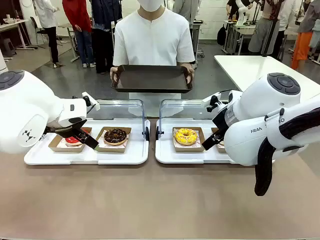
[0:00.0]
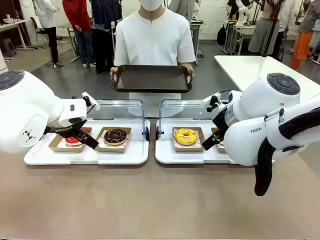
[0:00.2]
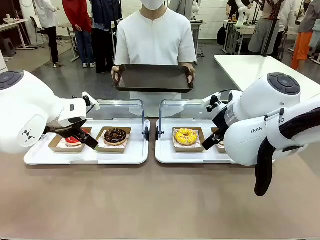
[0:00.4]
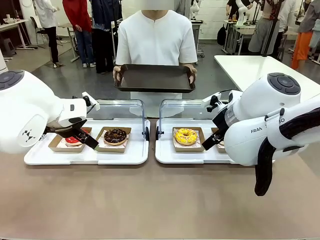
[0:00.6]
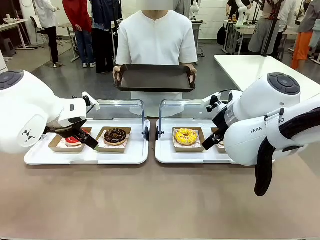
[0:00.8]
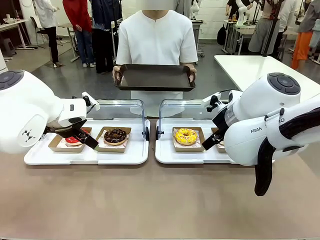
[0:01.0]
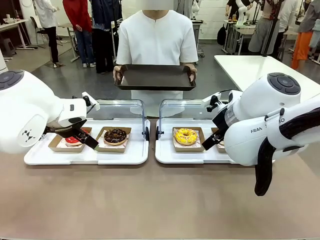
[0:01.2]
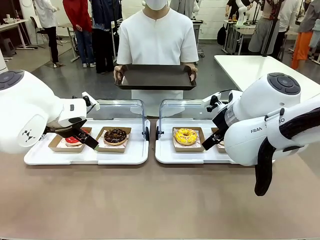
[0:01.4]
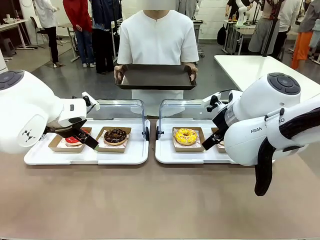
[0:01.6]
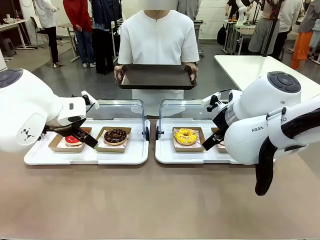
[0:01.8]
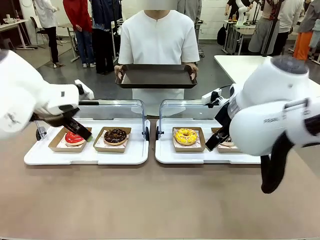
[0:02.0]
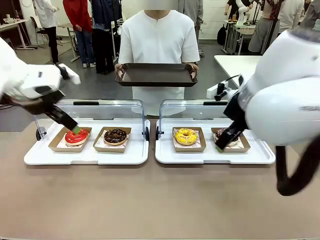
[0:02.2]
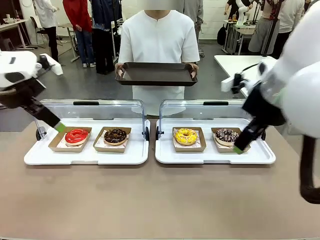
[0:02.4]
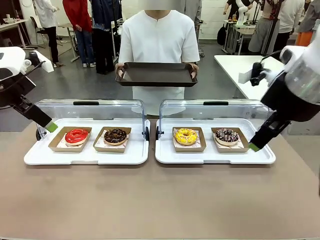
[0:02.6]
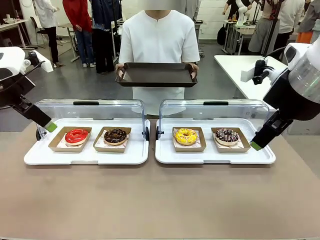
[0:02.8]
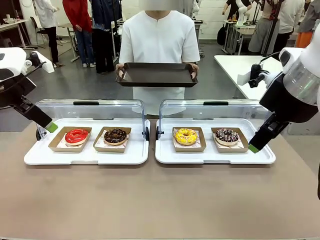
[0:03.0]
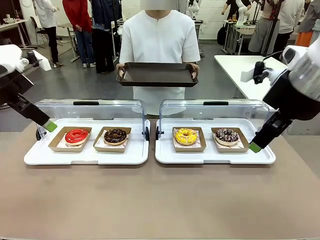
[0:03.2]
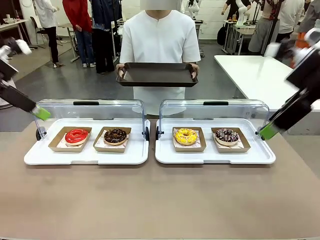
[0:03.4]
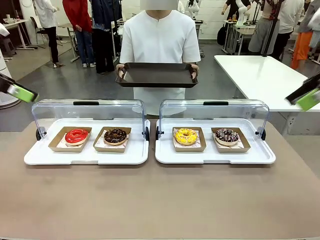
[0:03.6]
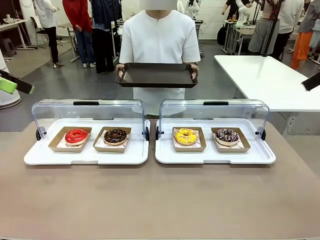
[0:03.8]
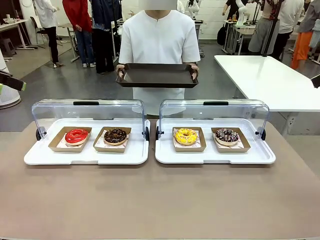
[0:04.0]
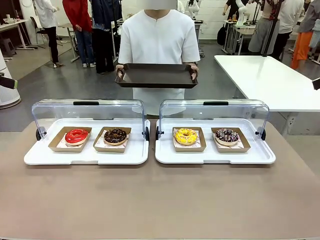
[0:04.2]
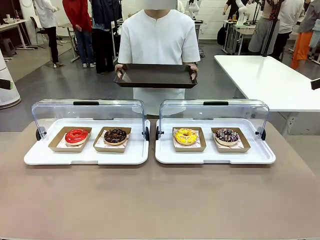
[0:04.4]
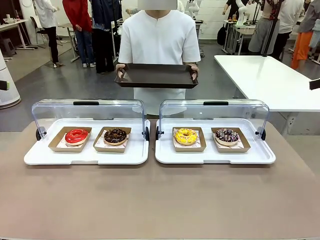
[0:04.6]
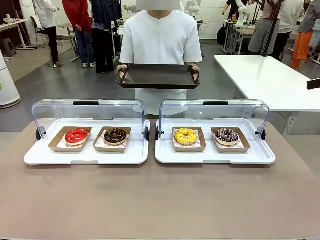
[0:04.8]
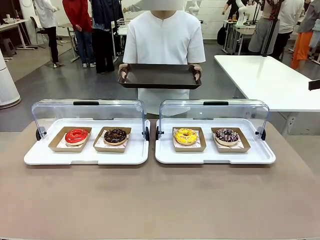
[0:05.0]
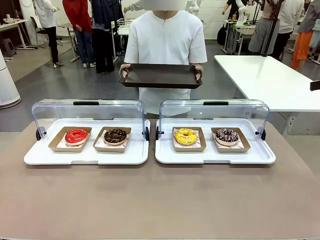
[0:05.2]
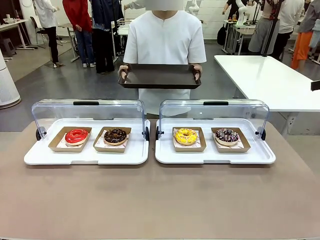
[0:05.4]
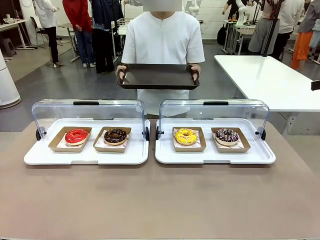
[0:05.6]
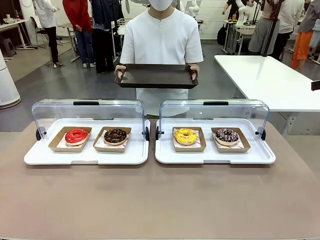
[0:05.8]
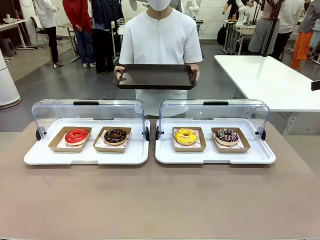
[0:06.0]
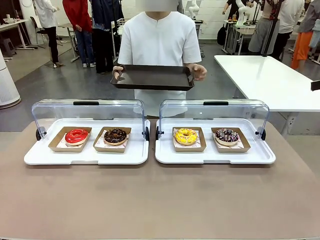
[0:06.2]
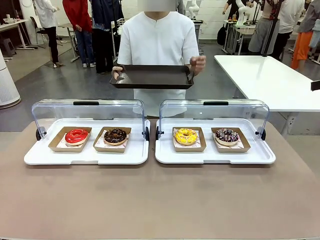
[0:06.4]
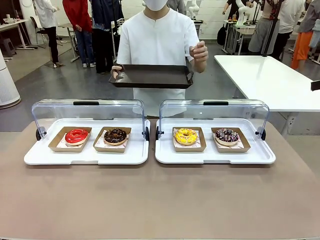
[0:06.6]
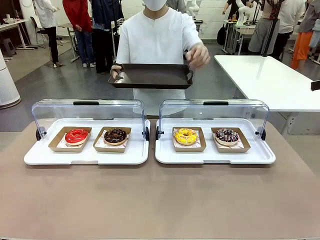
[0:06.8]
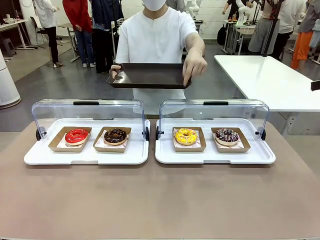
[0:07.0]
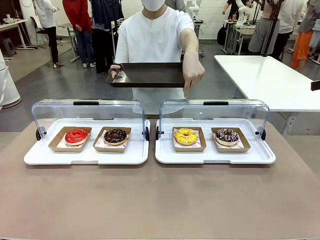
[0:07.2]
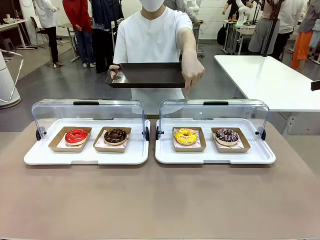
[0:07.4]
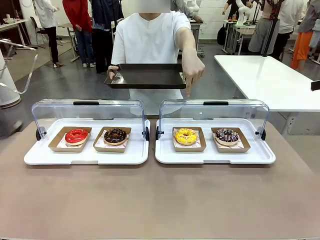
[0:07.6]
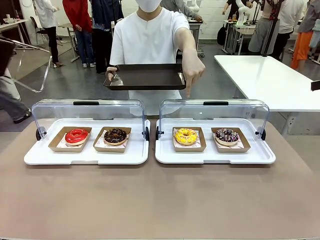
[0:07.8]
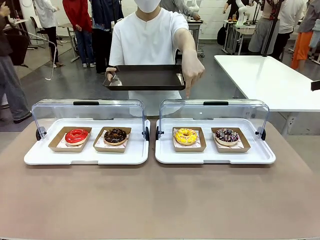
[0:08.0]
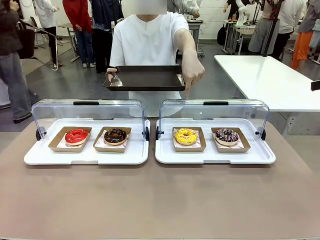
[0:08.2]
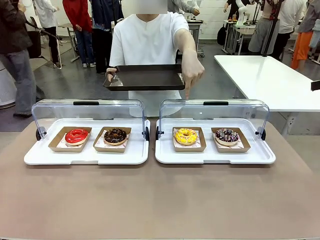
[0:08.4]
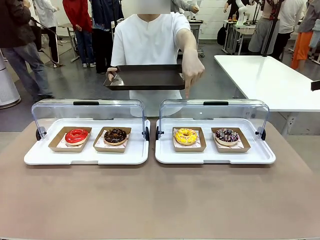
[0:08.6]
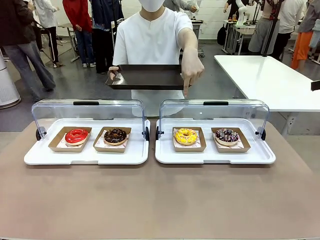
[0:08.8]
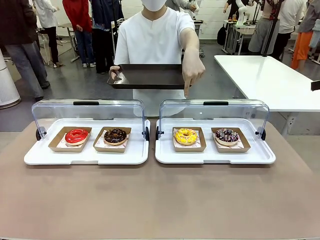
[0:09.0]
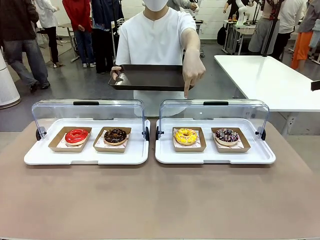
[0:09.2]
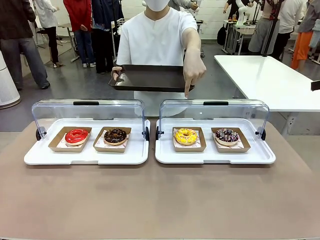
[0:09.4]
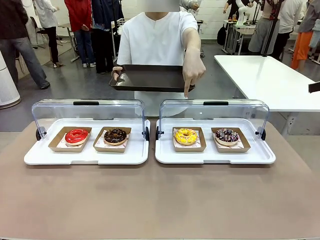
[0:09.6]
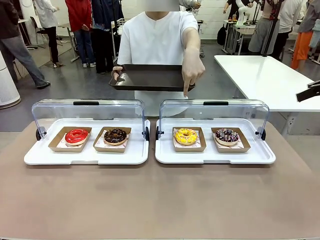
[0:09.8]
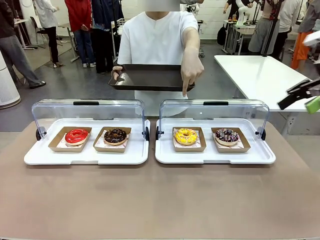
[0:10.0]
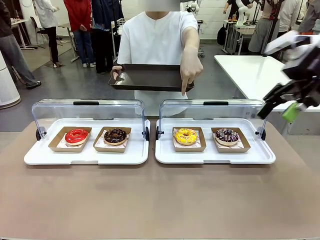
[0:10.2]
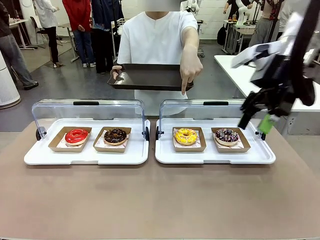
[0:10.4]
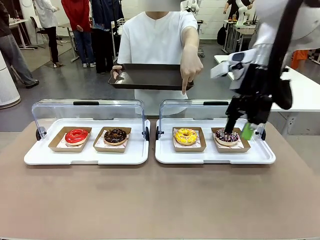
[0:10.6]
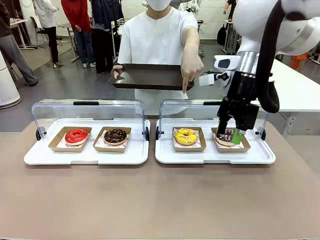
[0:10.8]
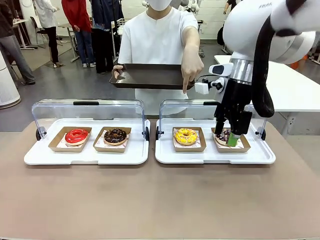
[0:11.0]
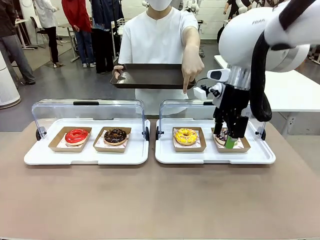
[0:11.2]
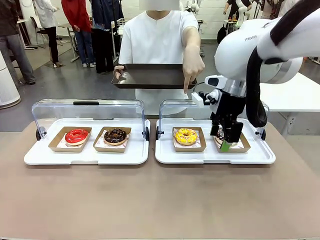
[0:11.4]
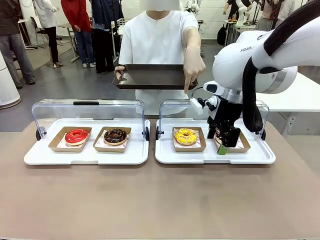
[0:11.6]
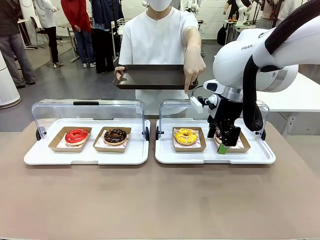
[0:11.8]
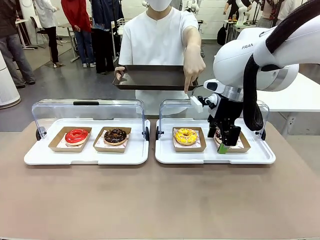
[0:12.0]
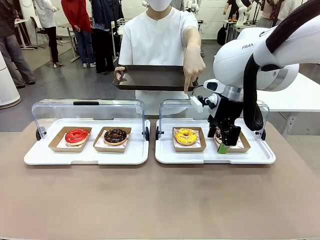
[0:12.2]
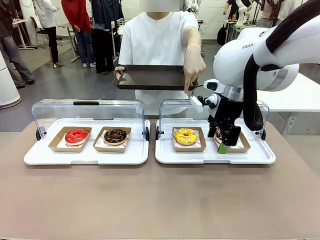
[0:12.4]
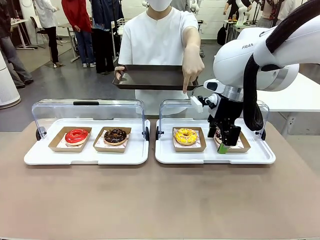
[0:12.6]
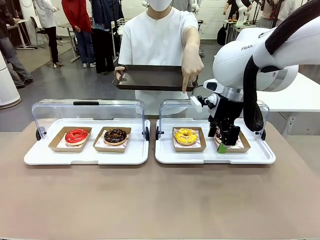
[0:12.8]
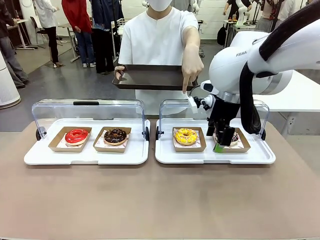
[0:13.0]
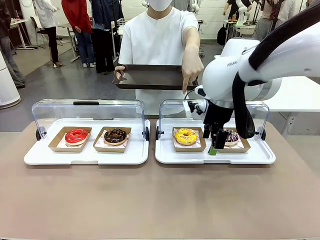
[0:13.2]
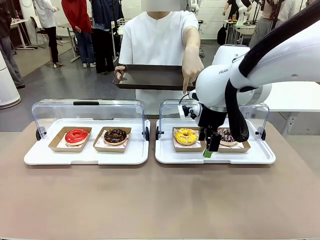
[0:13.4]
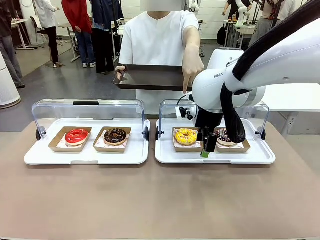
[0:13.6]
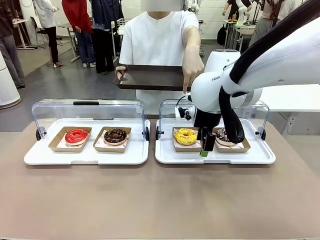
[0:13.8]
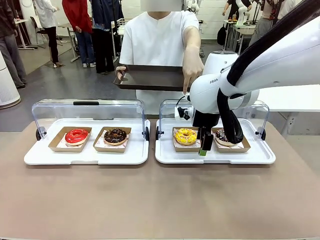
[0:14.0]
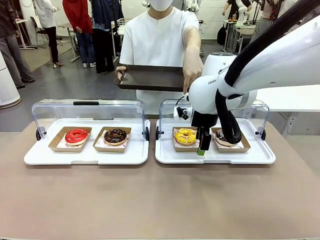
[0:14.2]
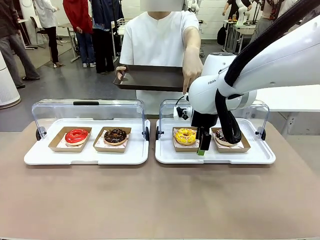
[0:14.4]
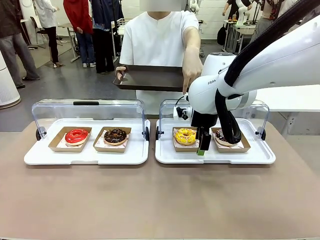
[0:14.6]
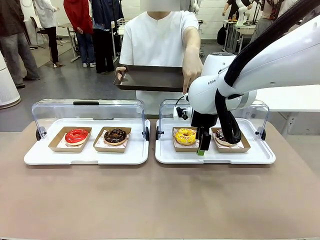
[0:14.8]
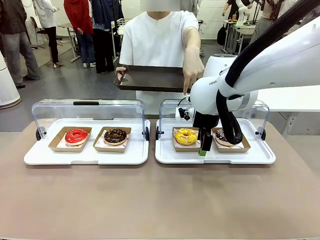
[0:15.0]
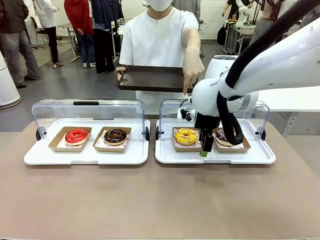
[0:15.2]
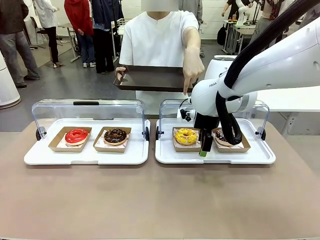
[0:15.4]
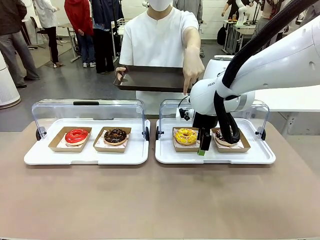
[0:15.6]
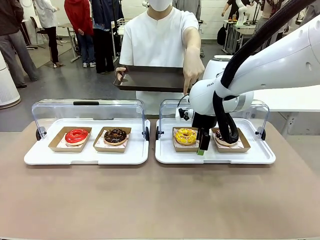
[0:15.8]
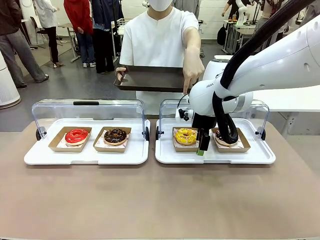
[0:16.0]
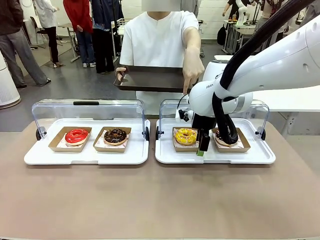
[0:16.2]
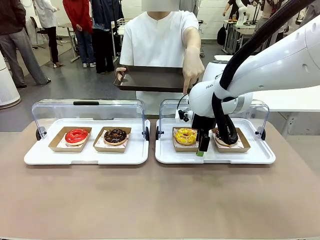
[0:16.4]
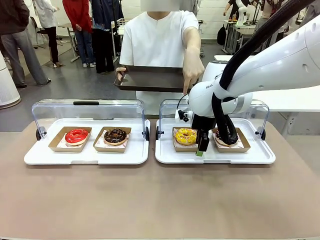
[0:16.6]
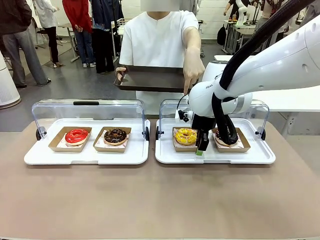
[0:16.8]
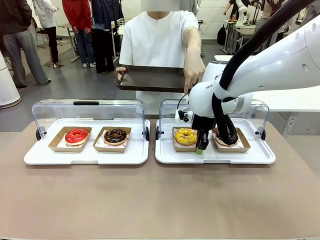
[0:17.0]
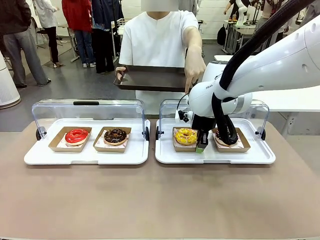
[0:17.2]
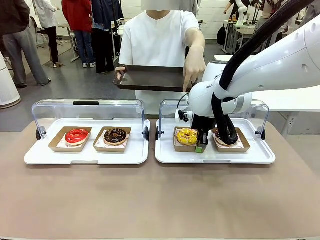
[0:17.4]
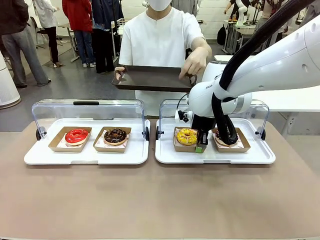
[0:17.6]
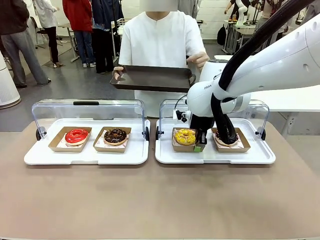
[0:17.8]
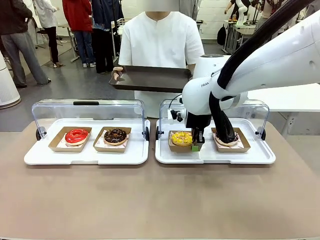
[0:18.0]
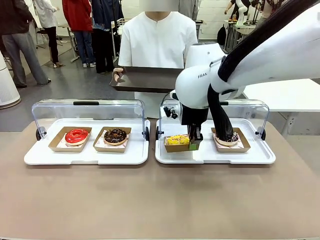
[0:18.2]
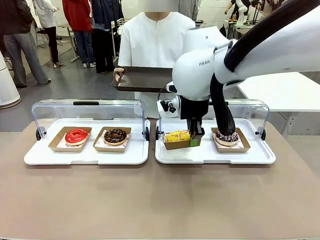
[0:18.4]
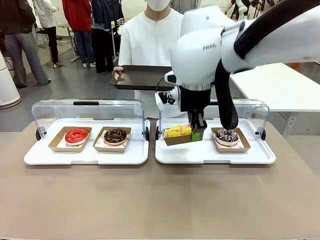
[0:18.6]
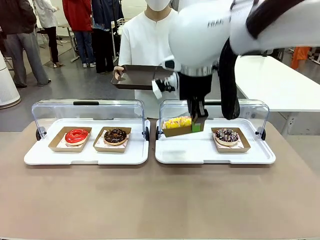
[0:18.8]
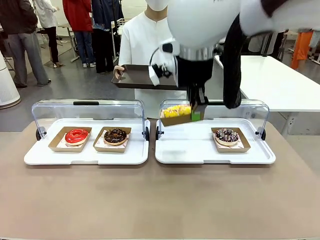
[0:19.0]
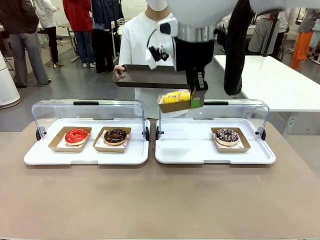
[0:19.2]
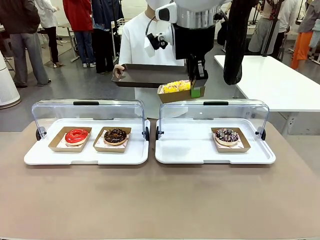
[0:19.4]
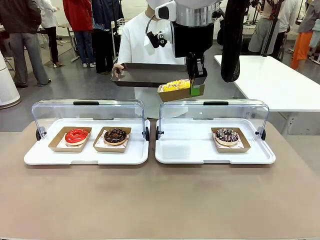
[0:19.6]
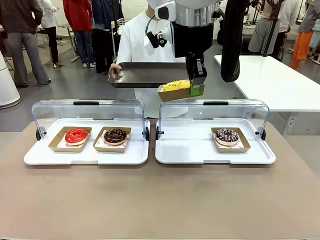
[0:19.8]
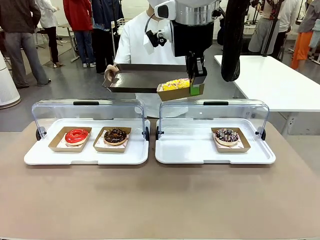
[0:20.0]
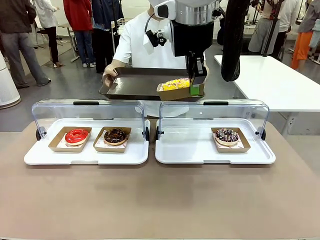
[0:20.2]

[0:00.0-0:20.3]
Task: Provide the desired donut to the person.
Robot: Pick up and lift the Paper togo box containing the Donut pointed at by the person.
Person: Point to one donut. Lift the tray onto the Roll-Top Bakery Case.
